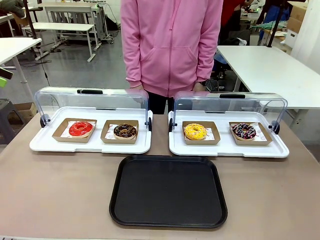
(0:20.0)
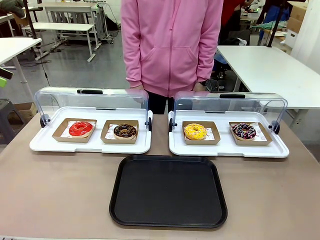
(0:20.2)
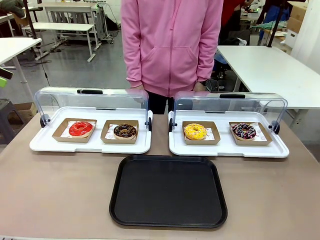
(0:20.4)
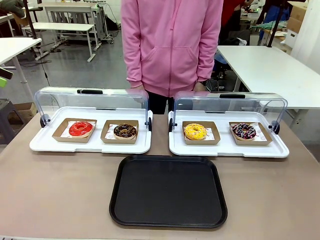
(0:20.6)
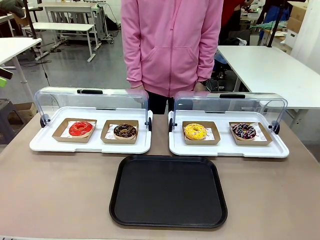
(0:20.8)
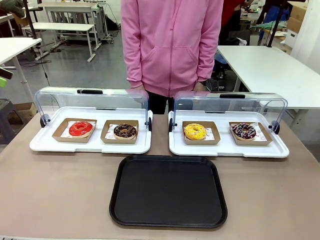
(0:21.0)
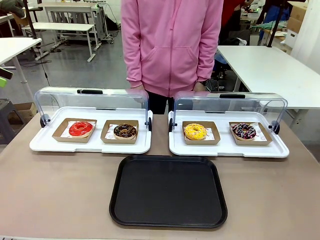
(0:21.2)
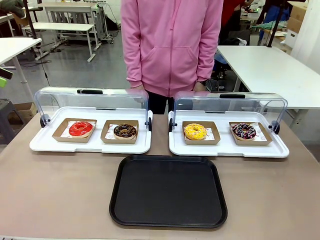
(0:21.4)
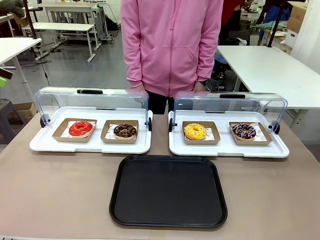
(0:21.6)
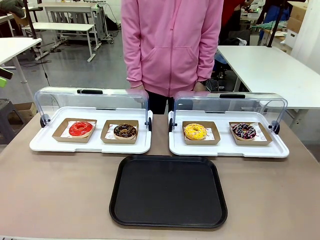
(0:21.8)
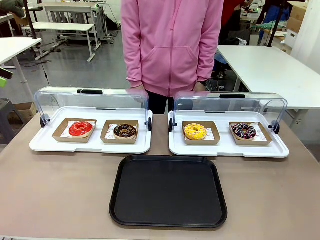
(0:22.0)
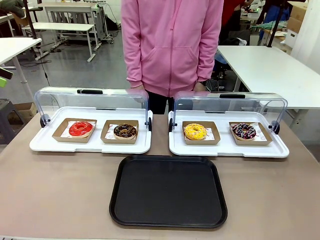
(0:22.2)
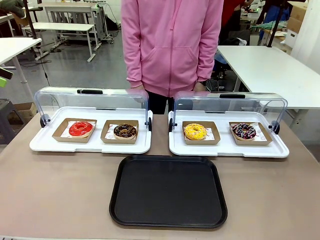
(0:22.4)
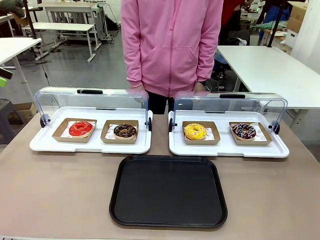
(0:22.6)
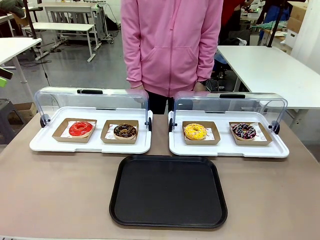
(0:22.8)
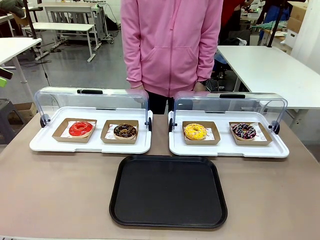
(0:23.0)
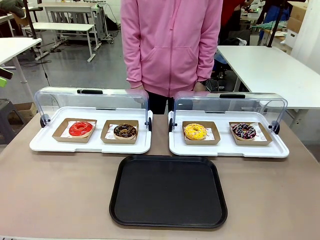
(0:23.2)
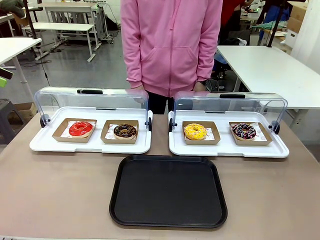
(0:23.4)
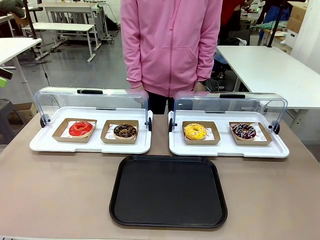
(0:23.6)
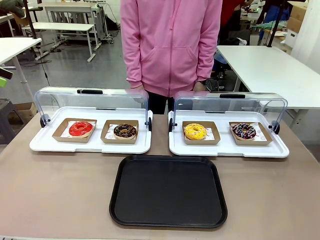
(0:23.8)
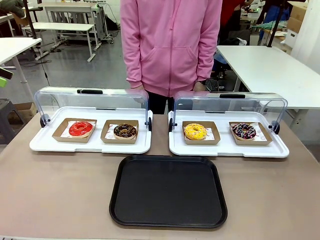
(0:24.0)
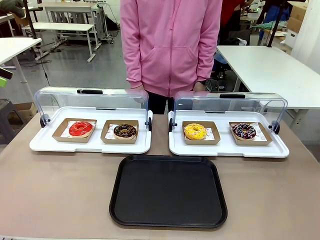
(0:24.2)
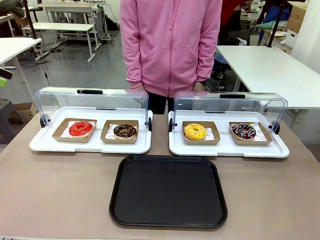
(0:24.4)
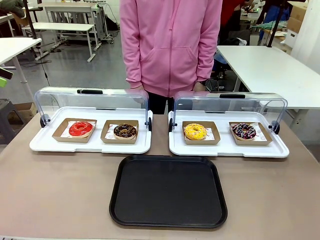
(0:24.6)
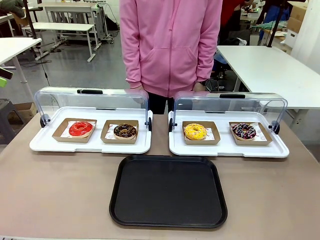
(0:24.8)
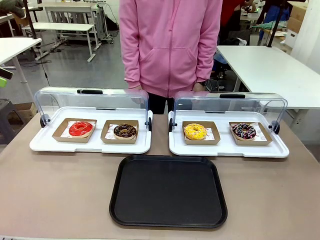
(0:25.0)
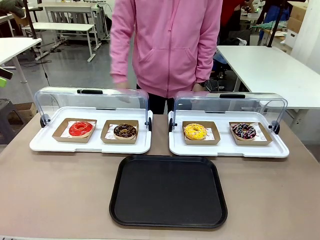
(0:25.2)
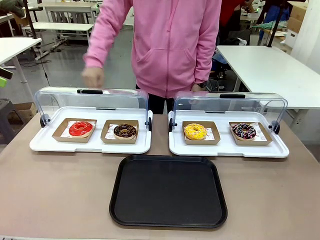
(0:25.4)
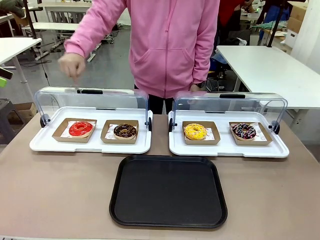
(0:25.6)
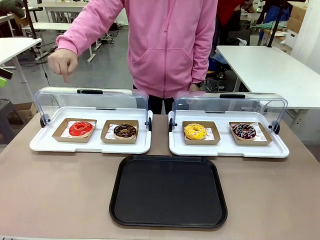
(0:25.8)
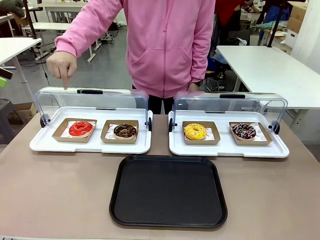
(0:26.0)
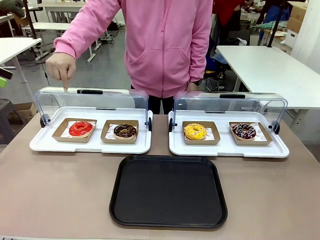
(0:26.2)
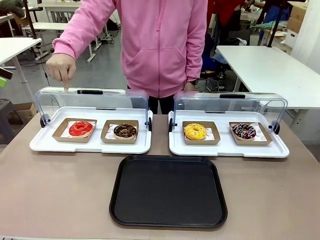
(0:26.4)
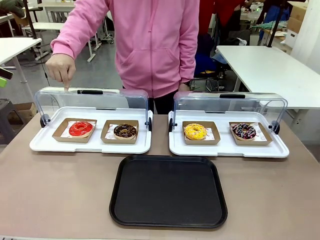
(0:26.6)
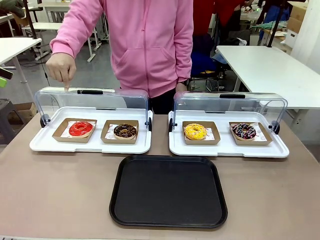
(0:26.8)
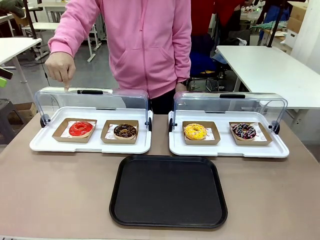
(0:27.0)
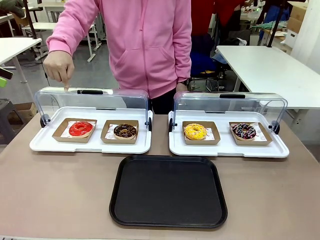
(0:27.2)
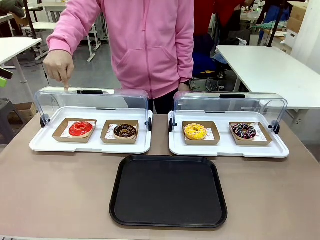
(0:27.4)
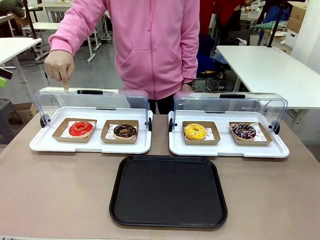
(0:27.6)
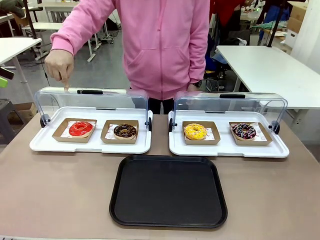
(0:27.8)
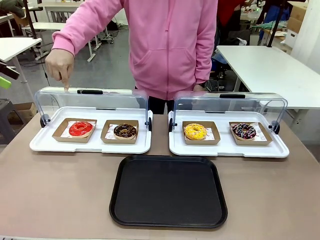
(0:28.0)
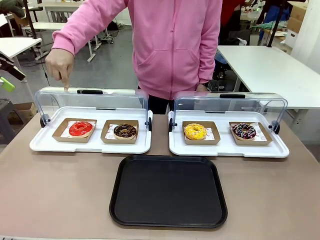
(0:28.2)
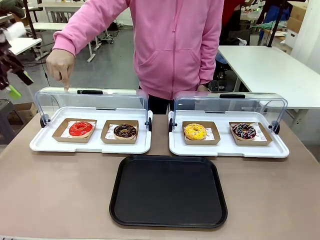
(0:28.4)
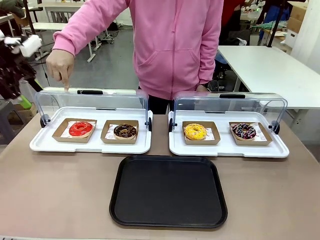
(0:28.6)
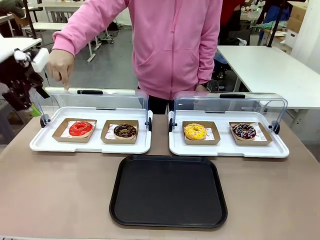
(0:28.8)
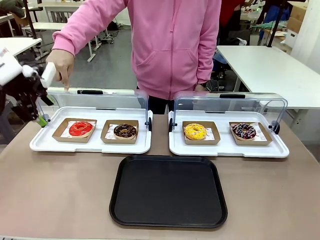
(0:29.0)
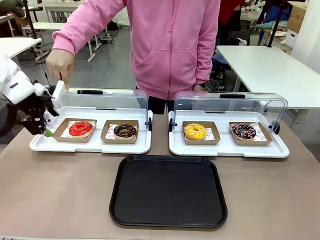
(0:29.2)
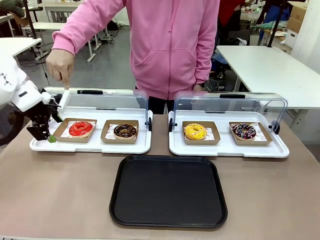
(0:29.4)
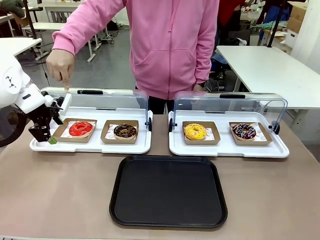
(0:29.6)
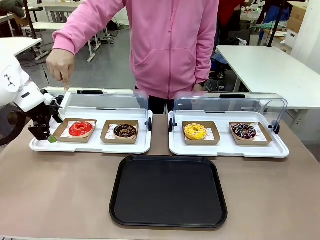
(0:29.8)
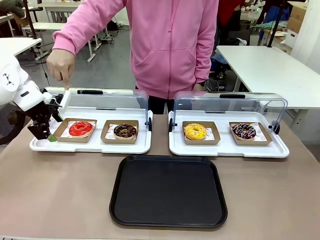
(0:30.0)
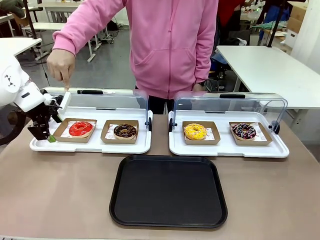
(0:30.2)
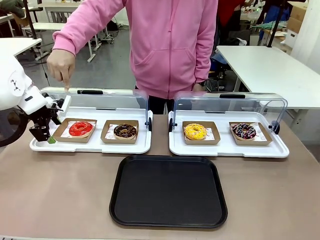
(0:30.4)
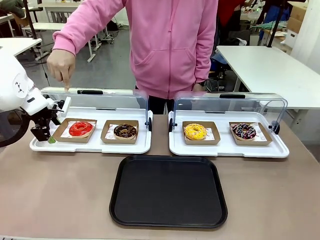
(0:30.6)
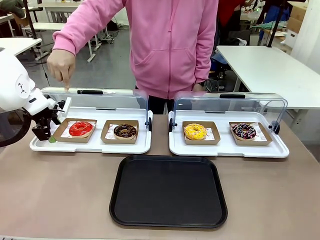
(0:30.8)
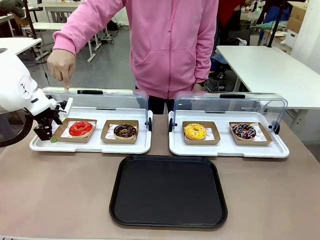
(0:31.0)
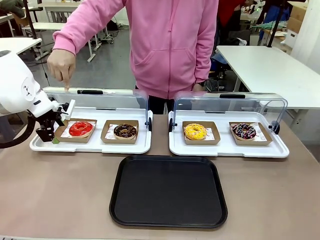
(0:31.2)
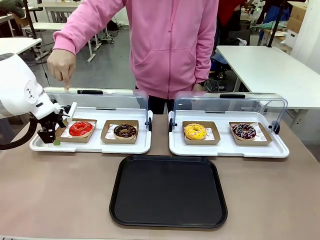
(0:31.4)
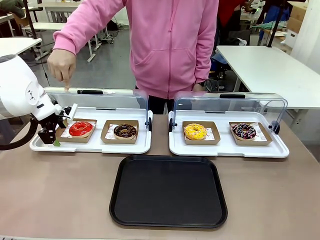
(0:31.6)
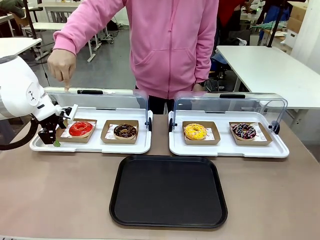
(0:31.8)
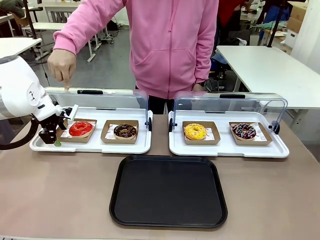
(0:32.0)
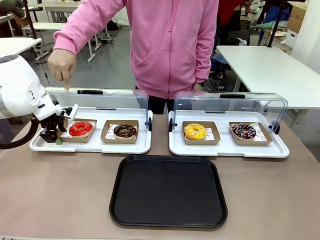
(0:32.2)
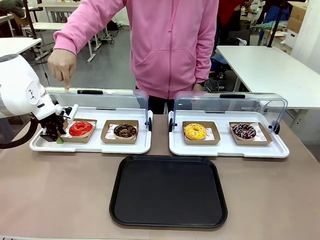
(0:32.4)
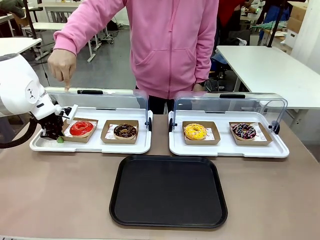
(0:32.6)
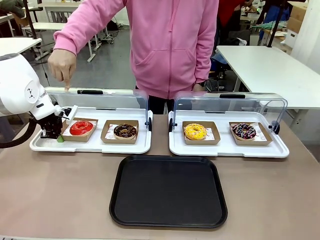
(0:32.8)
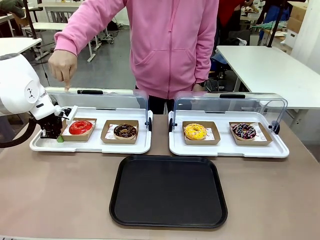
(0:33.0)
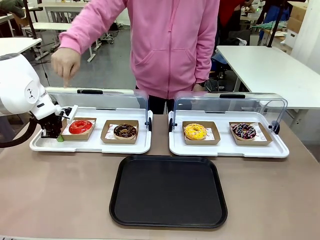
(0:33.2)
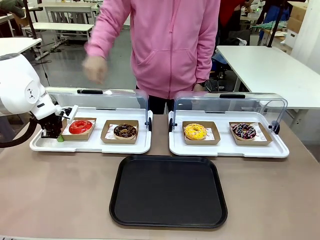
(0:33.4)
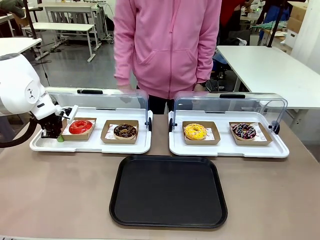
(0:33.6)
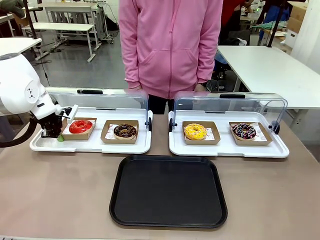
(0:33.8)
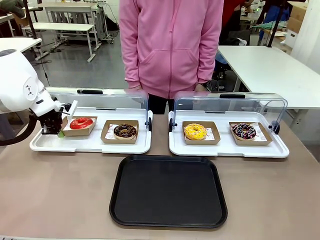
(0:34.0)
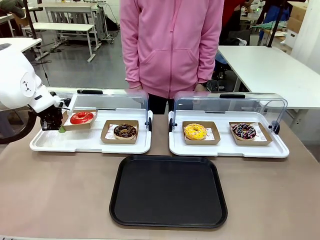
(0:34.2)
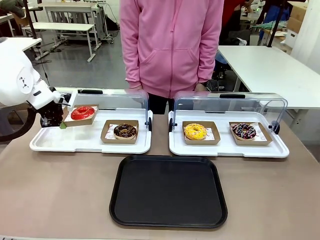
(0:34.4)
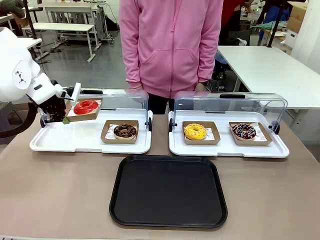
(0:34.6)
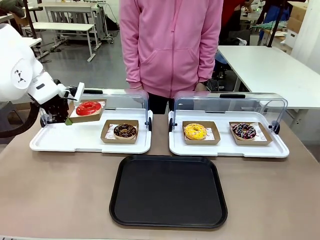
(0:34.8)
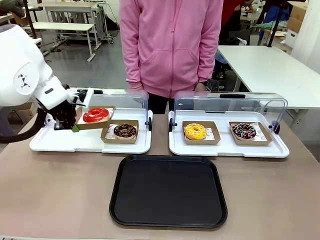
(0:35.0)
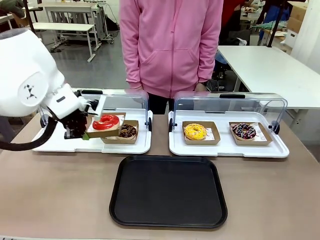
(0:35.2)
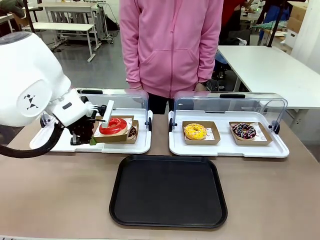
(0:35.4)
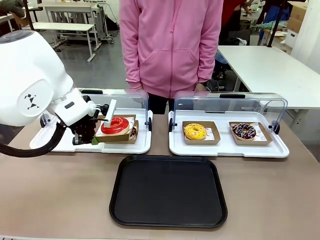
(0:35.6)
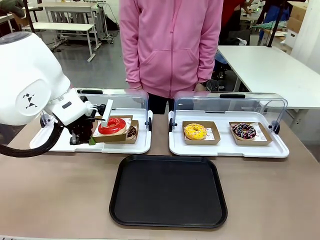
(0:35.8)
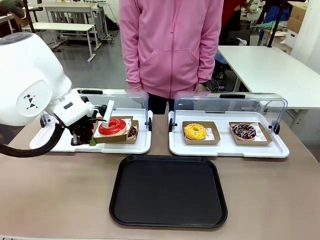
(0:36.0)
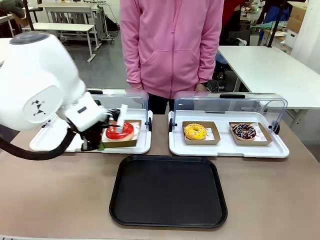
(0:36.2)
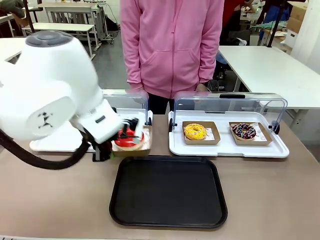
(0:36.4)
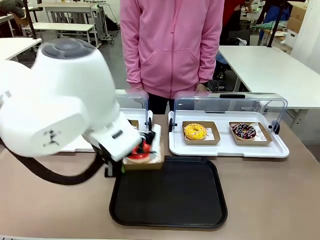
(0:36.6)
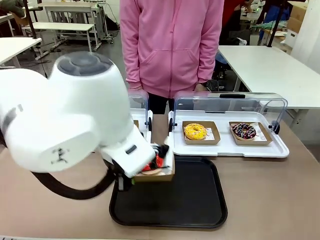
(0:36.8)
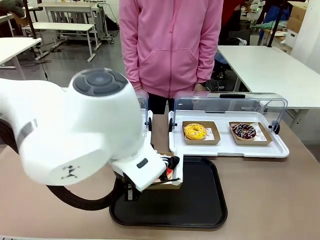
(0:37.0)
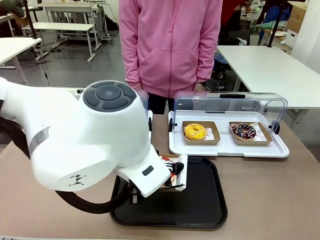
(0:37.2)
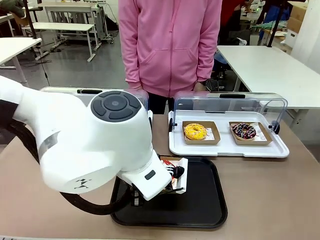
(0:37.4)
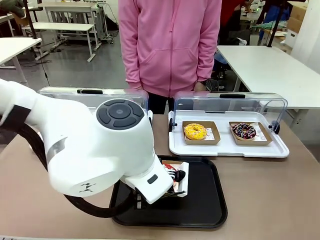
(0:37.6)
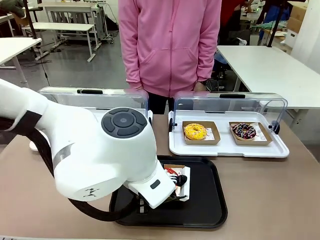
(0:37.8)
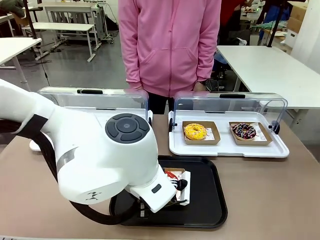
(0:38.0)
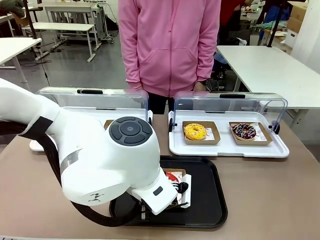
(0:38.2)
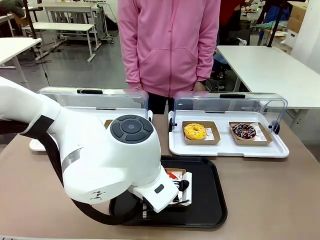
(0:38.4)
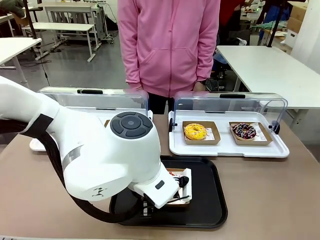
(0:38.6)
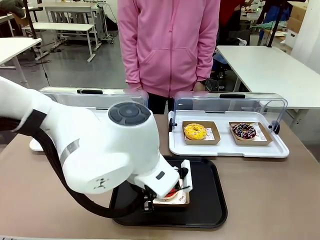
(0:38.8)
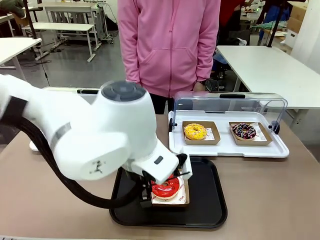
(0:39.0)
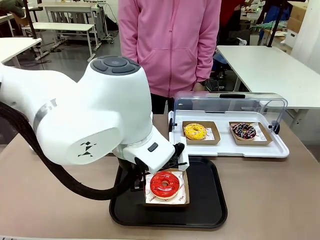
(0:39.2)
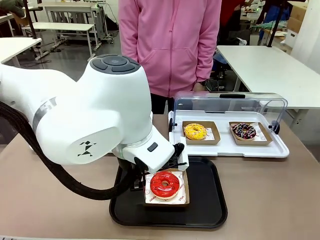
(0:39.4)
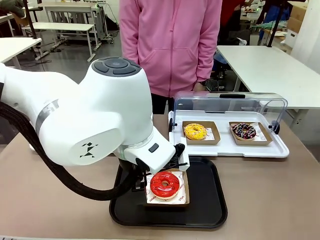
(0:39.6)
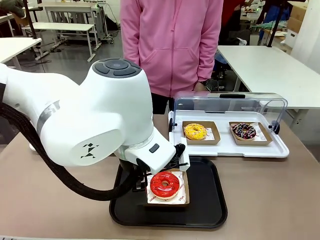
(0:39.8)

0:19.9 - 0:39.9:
Task: Move the first donut from the left to the tray.
Robot: Pick up the Paper togo box containing the Donut indicated by the person and place it on the Handle tray.
Person: Points to the first donut from the left from the robot’s perspective.
